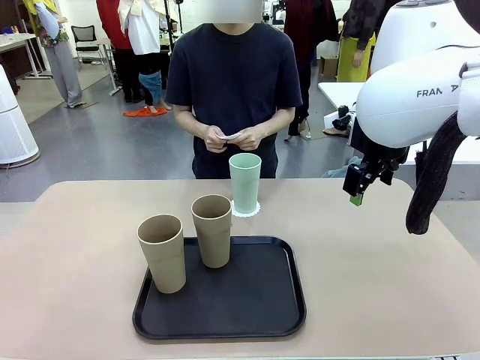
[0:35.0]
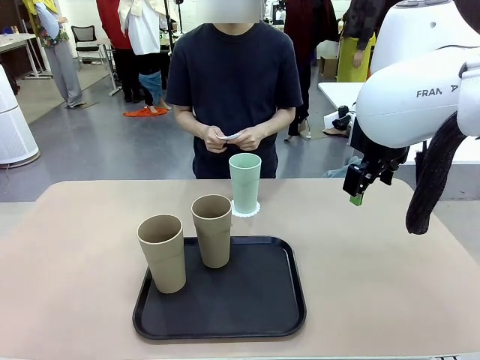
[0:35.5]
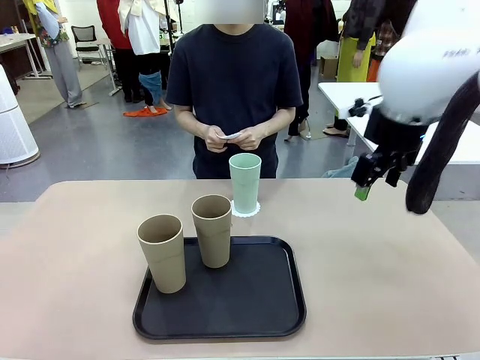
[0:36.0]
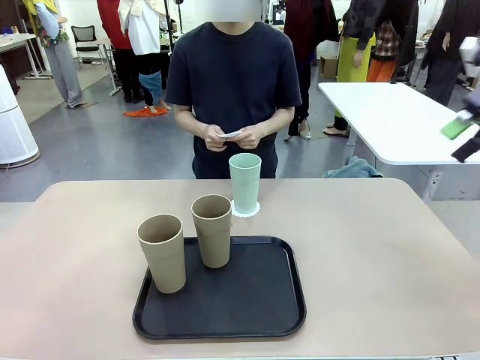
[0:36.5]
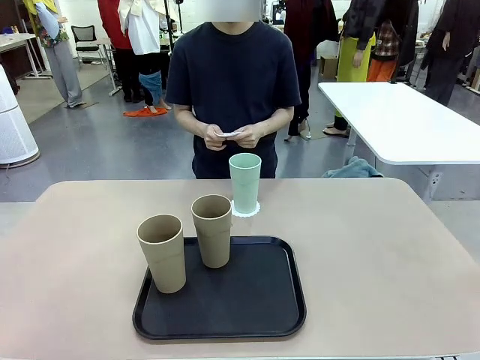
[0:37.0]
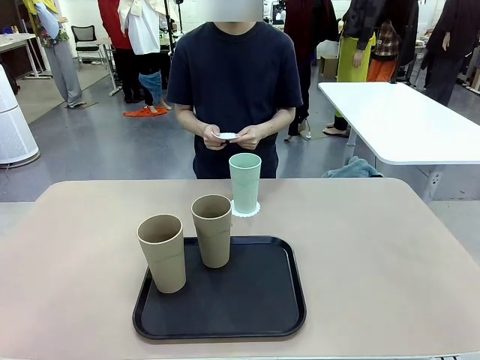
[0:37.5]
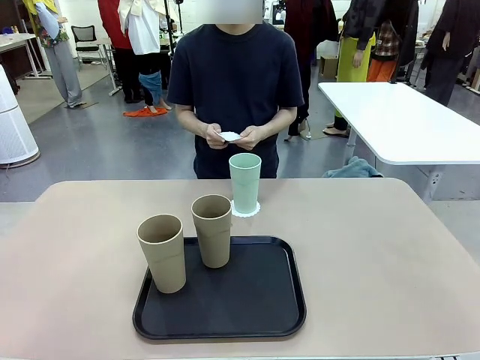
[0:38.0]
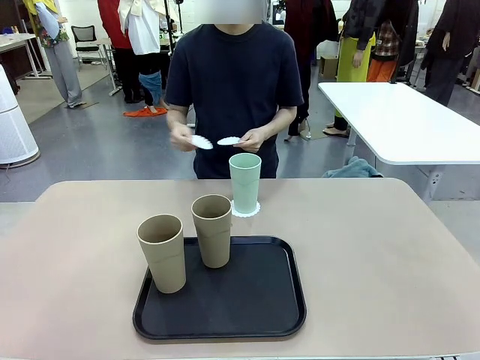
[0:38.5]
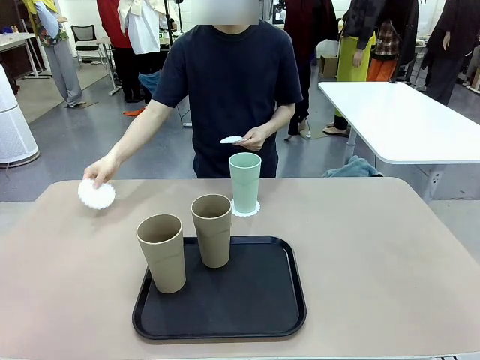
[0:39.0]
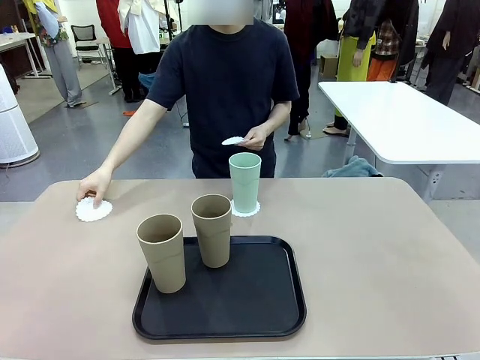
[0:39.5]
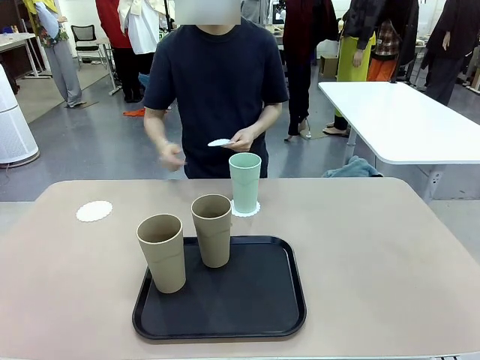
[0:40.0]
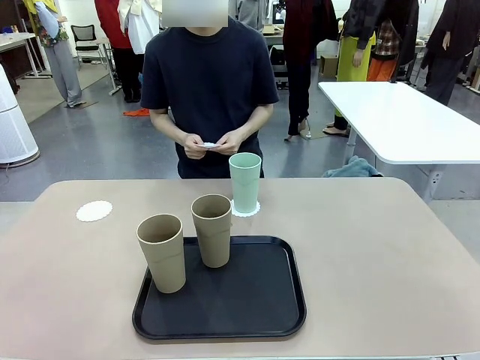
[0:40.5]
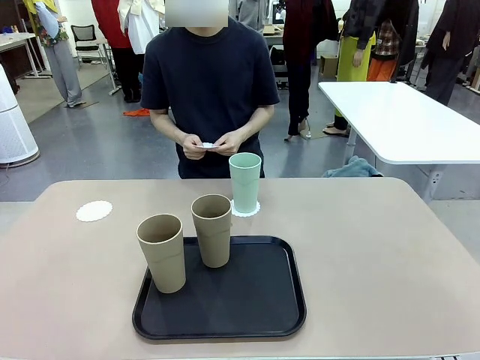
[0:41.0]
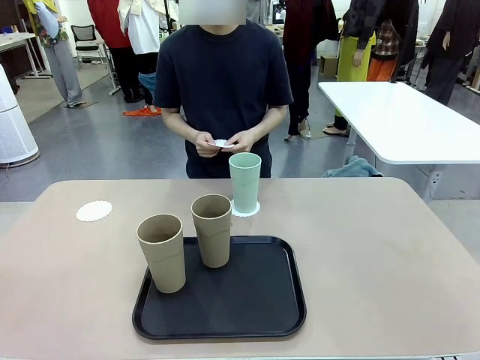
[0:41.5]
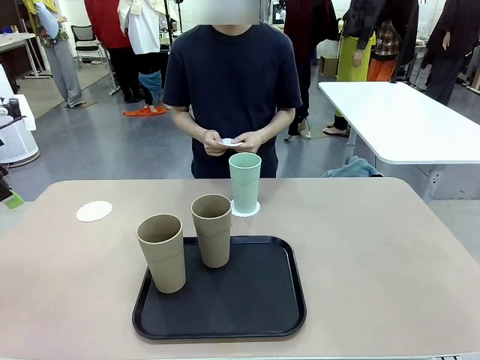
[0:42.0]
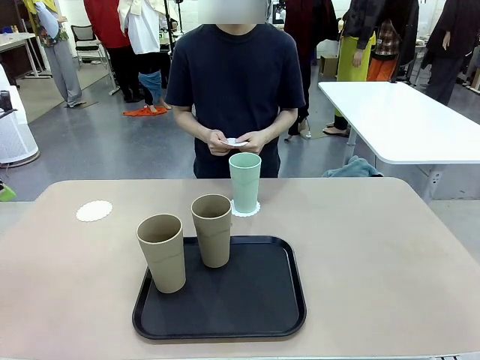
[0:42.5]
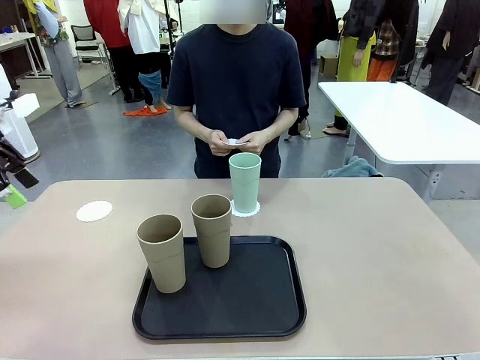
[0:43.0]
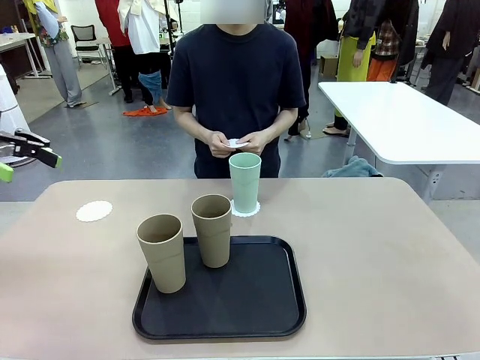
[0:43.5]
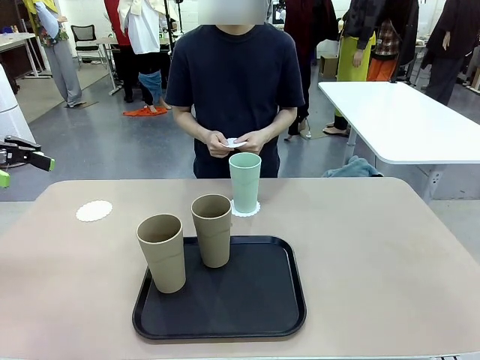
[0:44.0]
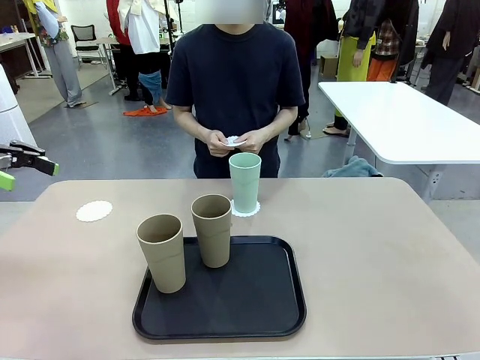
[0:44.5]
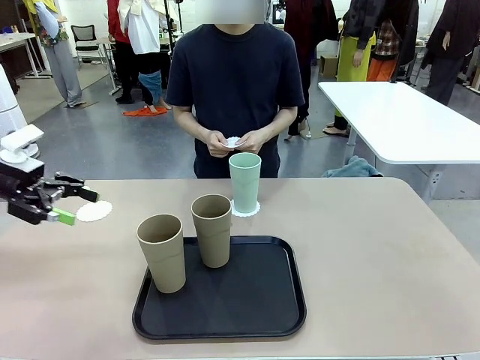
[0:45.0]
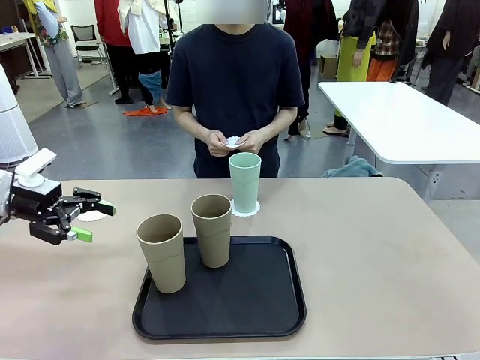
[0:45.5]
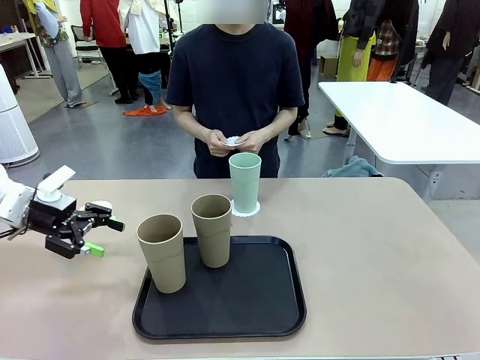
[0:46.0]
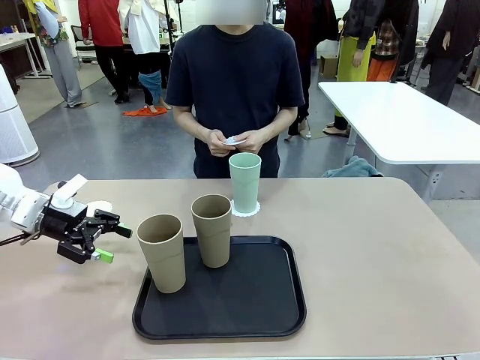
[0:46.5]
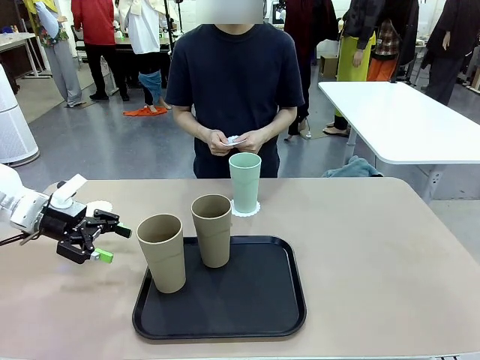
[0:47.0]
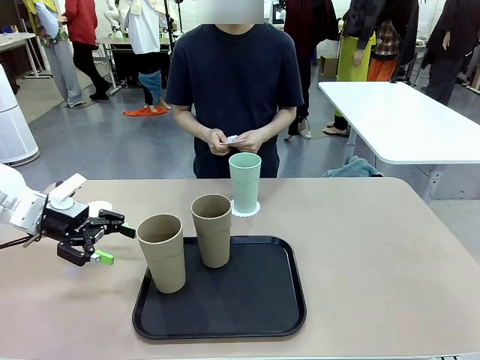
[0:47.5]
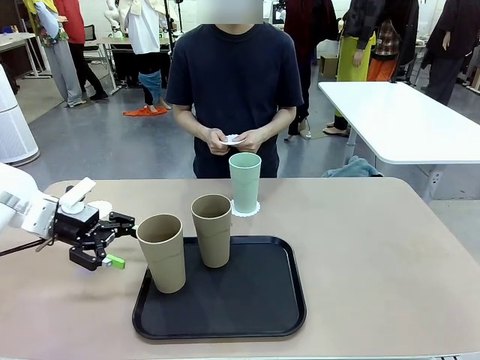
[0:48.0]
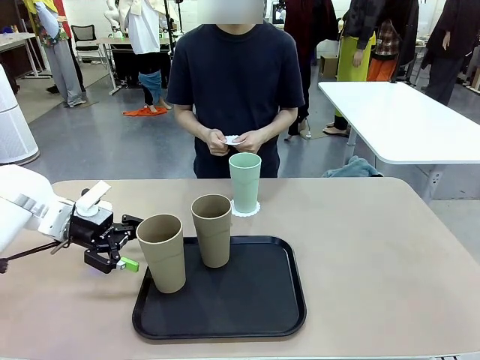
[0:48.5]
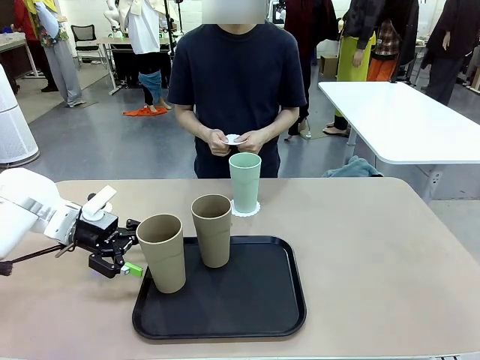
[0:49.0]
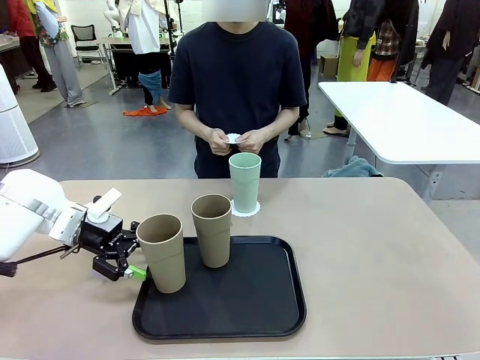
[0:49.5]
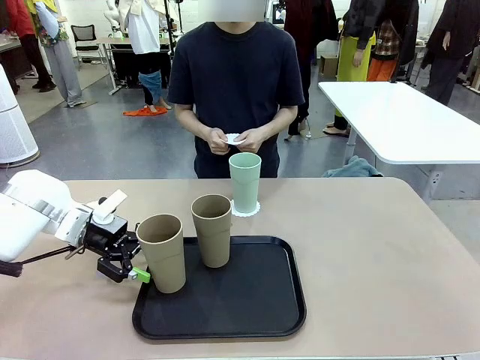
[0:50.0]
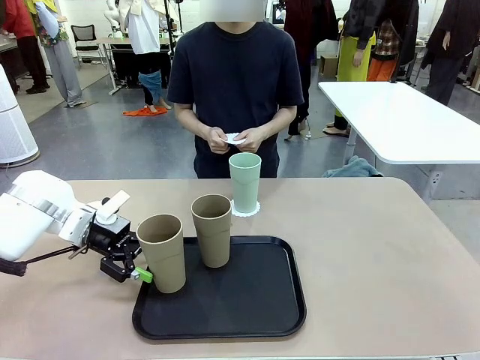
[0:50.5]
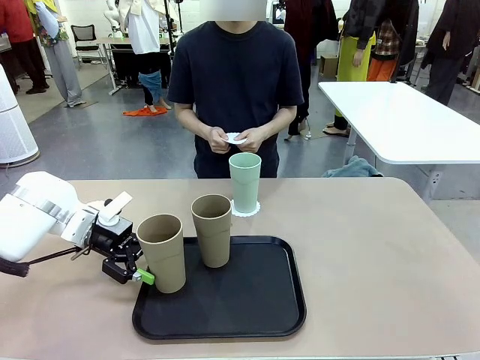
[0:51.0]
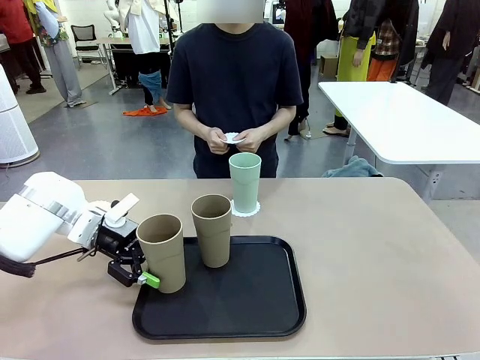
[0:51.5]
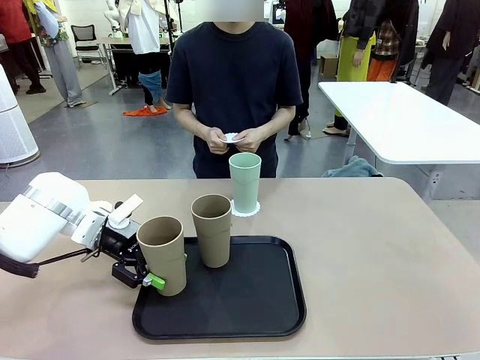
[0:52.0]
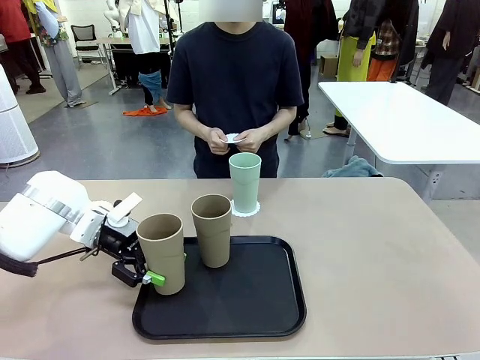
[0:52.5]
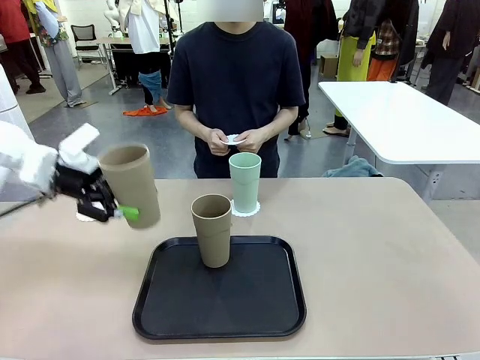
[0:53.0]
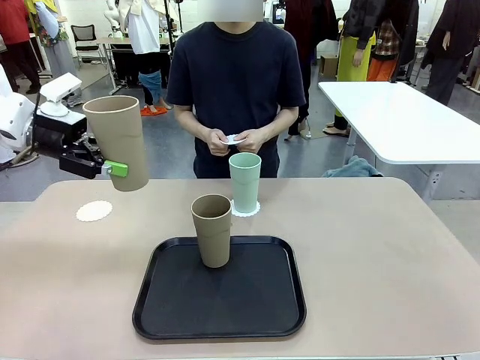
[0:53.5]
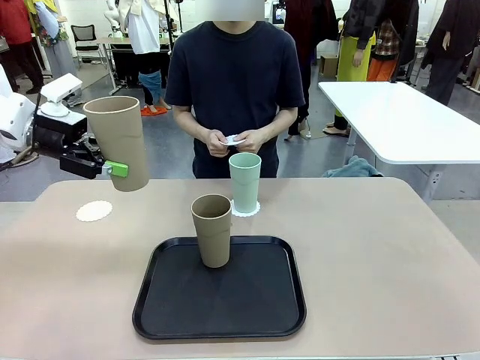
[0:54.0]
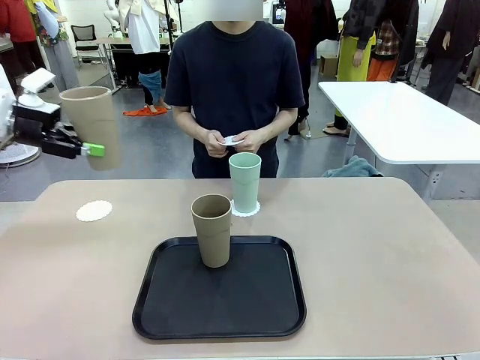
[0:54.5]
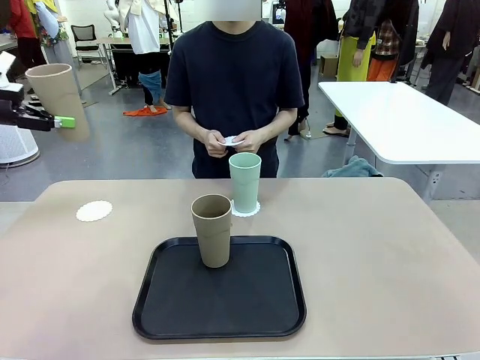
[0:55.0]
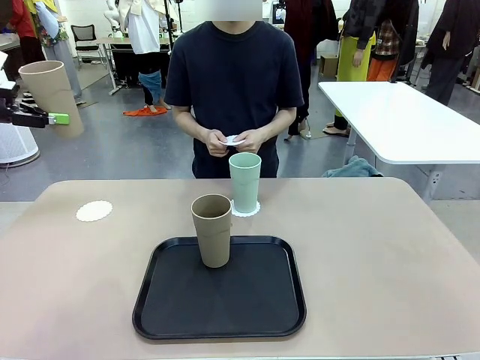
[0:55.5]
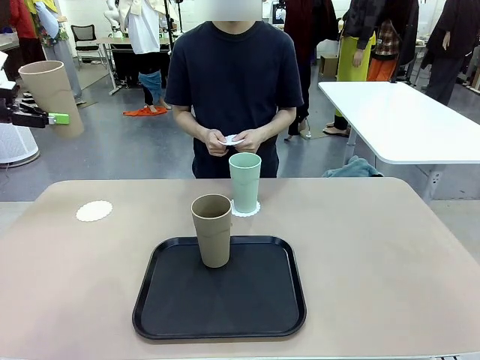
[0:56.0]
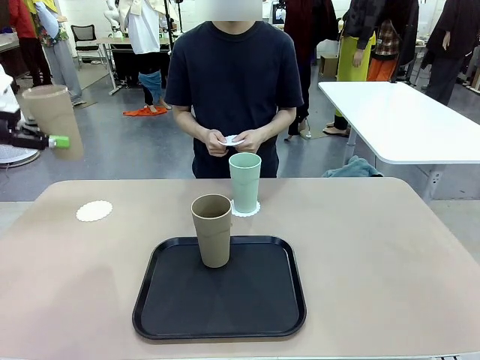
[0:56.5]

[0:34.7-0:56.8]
Task: Place coasters on the table and set cups on them.
Robot: Take one Reusable plastic cup from the Flat Tray and place it on a coaster set by the human.
